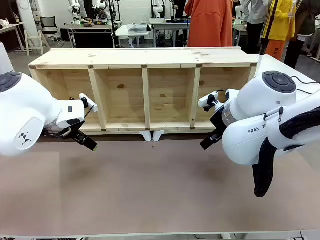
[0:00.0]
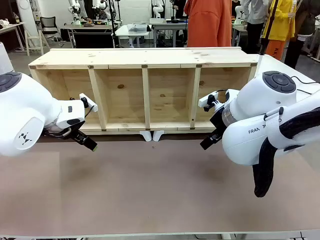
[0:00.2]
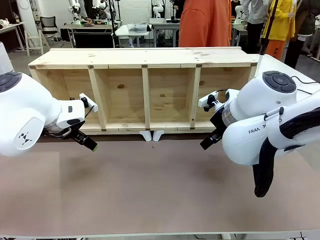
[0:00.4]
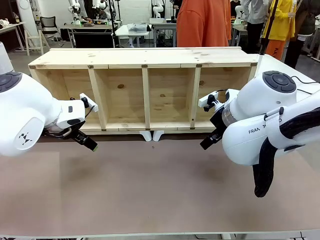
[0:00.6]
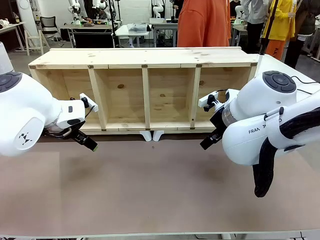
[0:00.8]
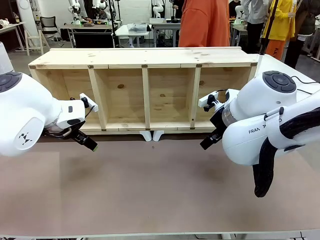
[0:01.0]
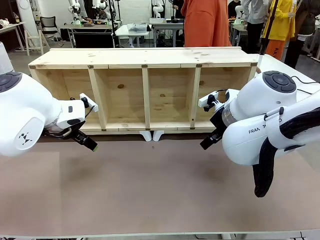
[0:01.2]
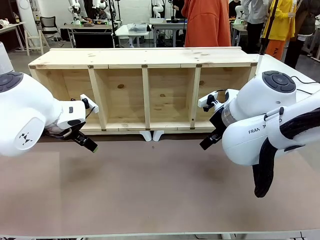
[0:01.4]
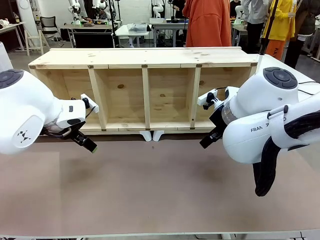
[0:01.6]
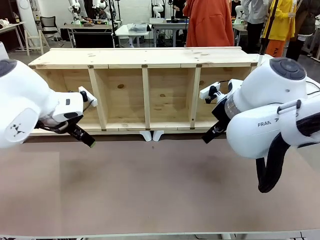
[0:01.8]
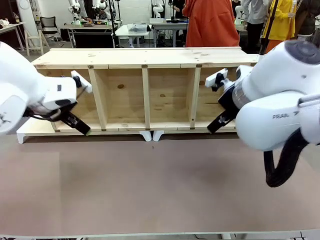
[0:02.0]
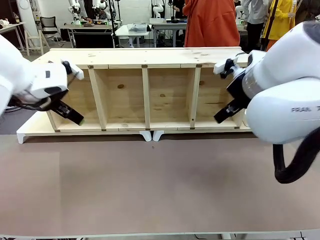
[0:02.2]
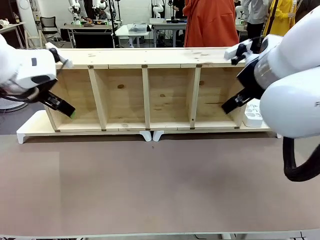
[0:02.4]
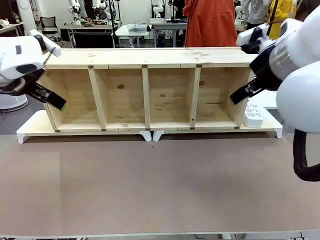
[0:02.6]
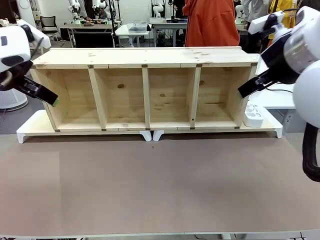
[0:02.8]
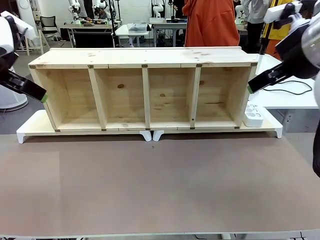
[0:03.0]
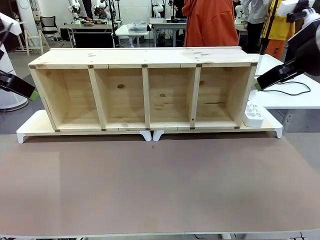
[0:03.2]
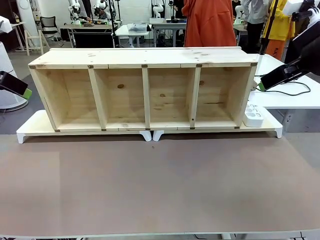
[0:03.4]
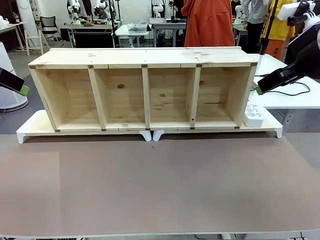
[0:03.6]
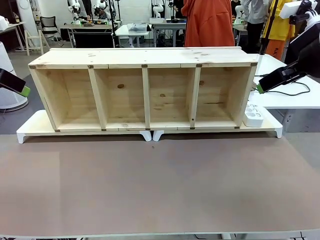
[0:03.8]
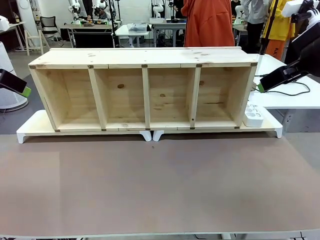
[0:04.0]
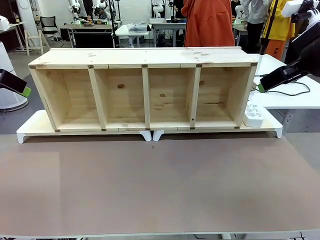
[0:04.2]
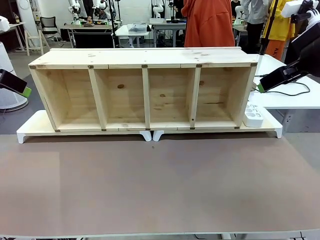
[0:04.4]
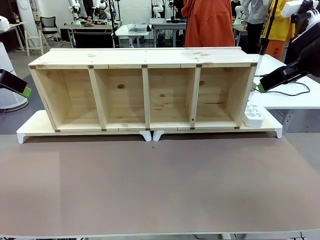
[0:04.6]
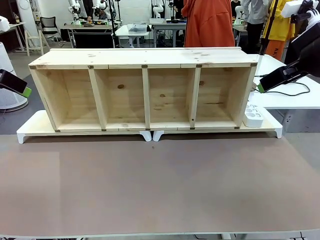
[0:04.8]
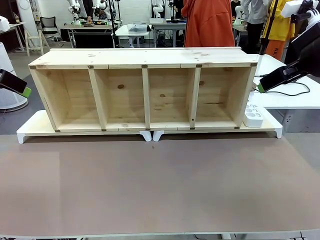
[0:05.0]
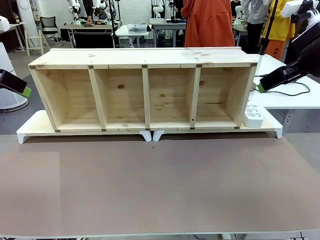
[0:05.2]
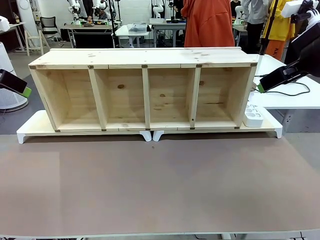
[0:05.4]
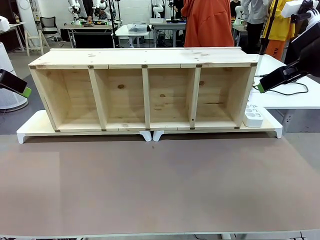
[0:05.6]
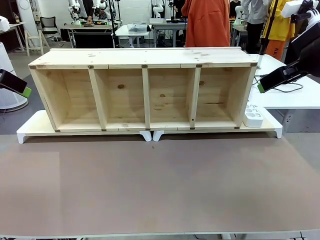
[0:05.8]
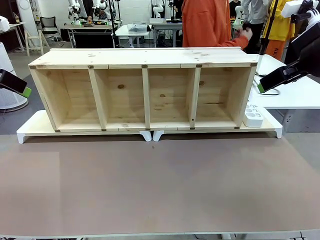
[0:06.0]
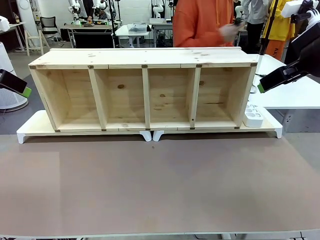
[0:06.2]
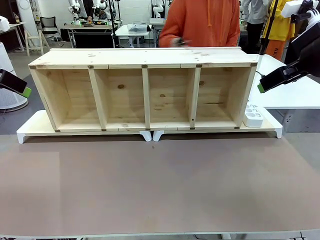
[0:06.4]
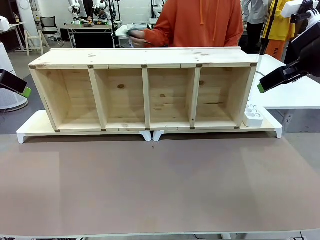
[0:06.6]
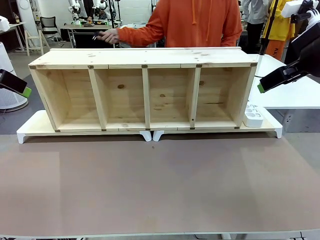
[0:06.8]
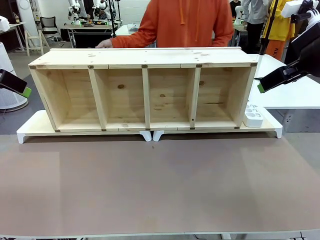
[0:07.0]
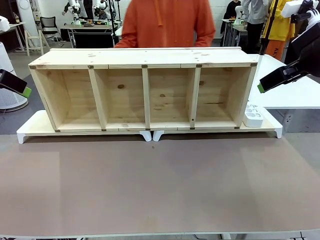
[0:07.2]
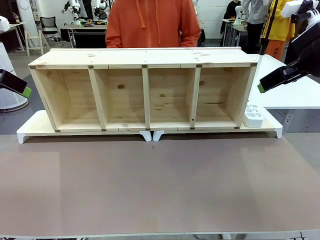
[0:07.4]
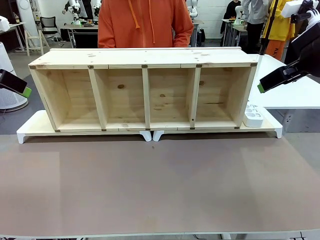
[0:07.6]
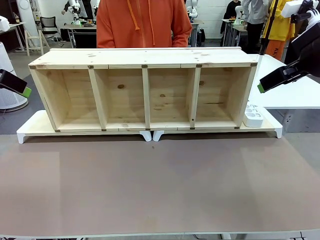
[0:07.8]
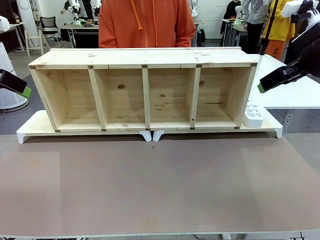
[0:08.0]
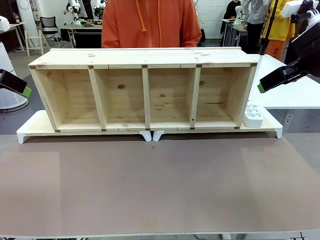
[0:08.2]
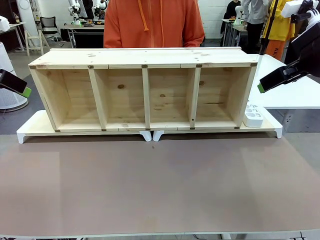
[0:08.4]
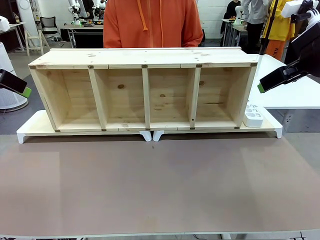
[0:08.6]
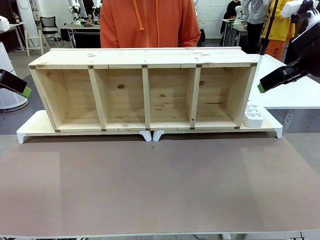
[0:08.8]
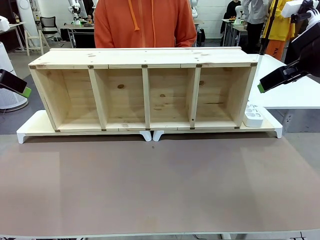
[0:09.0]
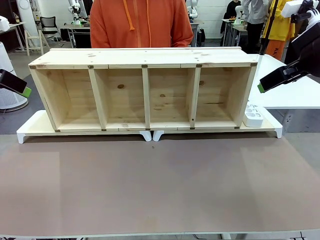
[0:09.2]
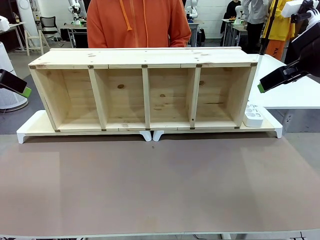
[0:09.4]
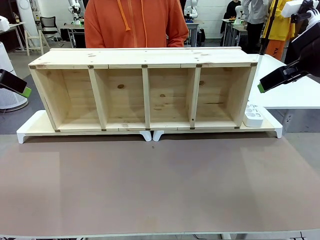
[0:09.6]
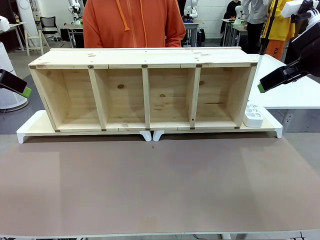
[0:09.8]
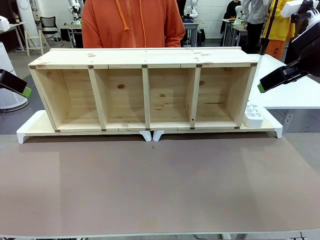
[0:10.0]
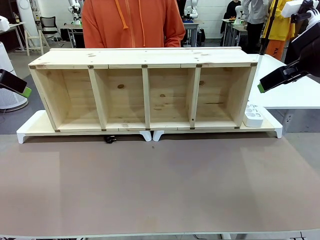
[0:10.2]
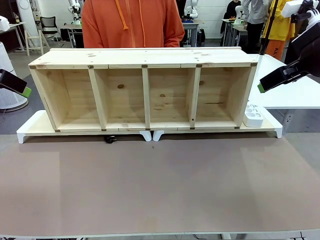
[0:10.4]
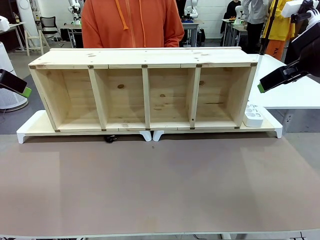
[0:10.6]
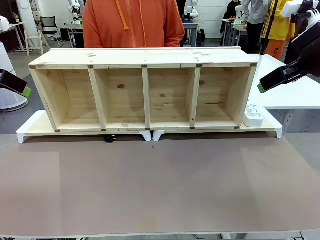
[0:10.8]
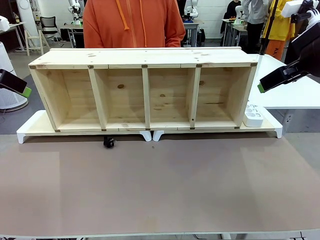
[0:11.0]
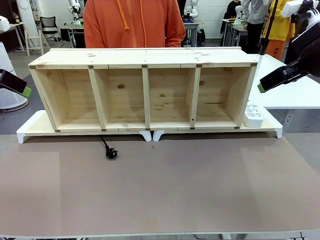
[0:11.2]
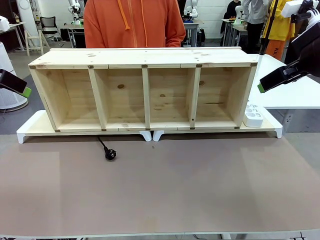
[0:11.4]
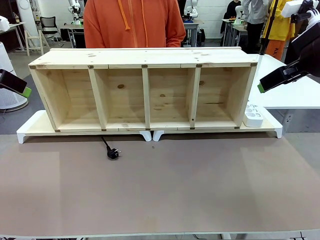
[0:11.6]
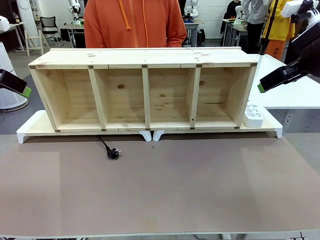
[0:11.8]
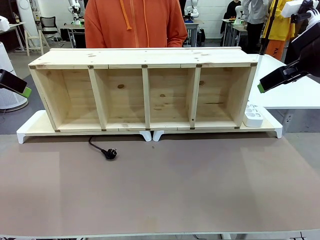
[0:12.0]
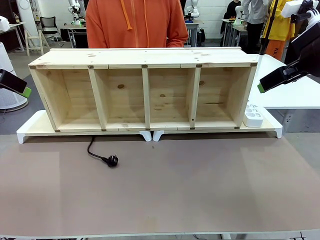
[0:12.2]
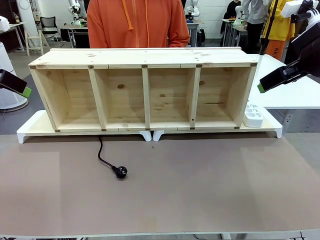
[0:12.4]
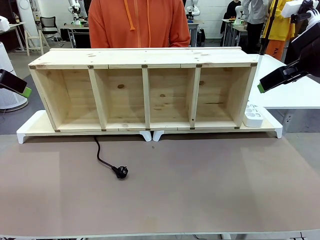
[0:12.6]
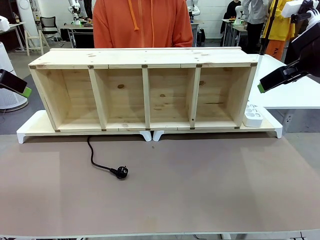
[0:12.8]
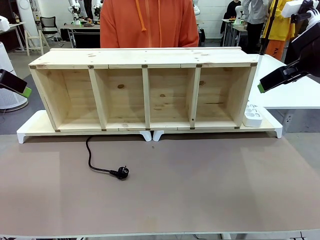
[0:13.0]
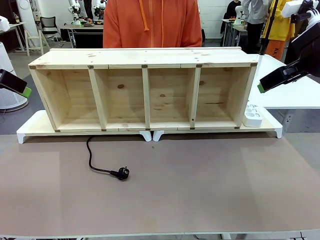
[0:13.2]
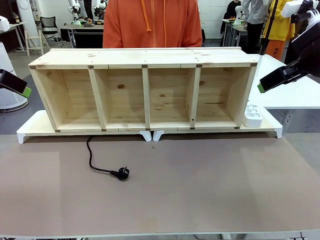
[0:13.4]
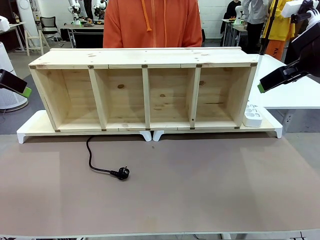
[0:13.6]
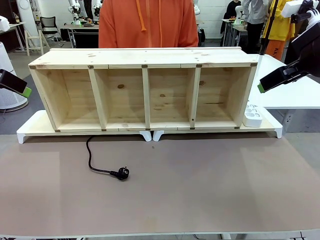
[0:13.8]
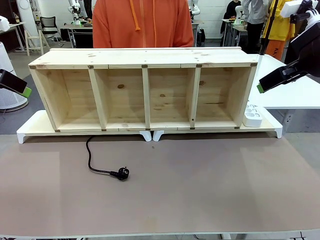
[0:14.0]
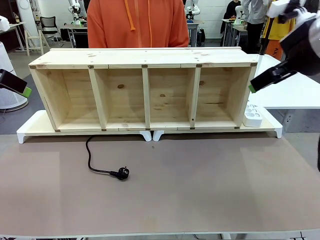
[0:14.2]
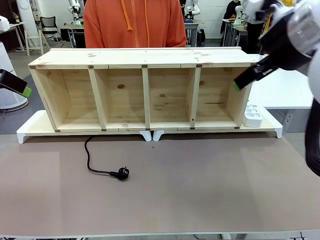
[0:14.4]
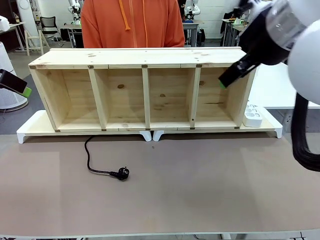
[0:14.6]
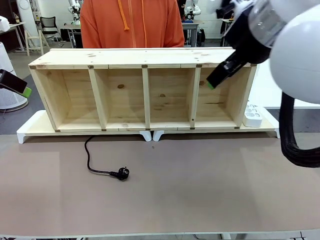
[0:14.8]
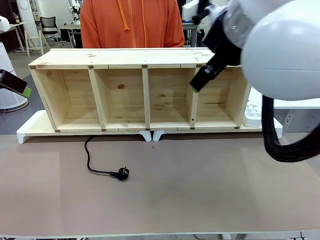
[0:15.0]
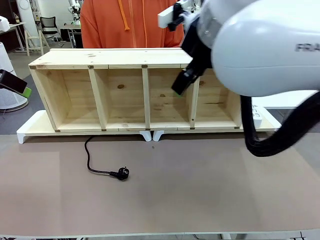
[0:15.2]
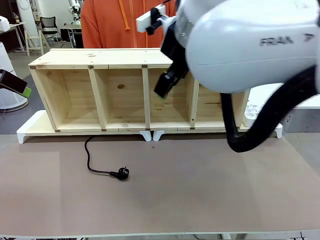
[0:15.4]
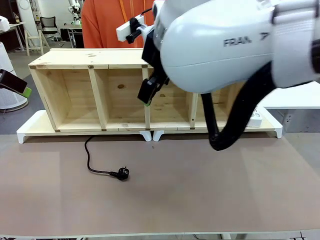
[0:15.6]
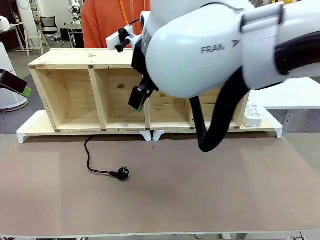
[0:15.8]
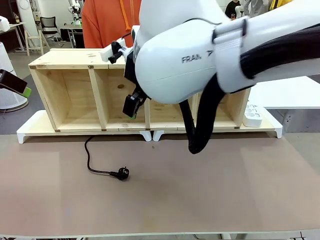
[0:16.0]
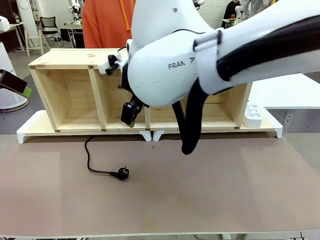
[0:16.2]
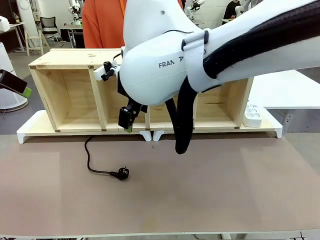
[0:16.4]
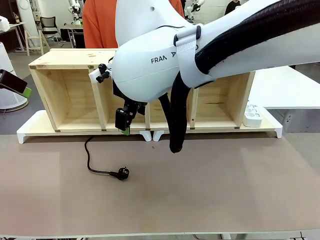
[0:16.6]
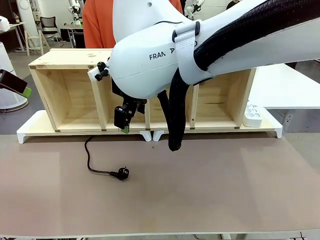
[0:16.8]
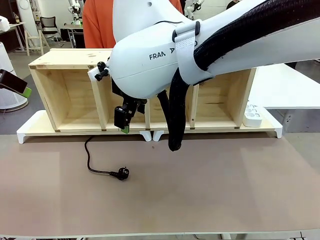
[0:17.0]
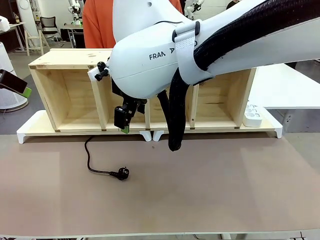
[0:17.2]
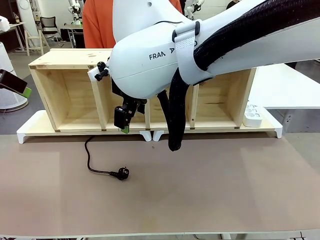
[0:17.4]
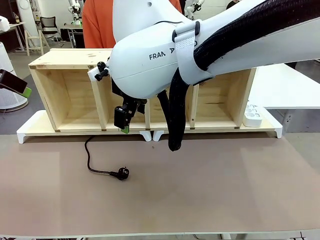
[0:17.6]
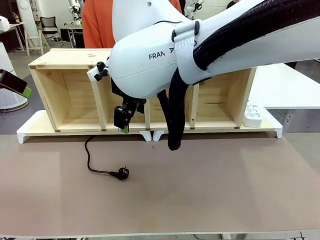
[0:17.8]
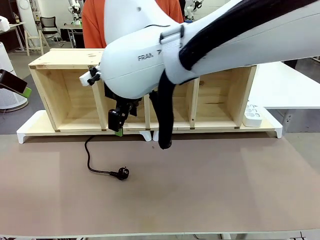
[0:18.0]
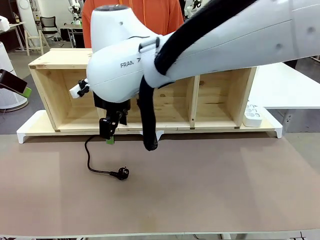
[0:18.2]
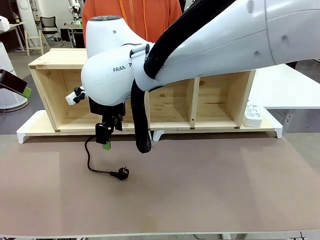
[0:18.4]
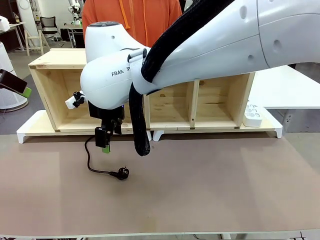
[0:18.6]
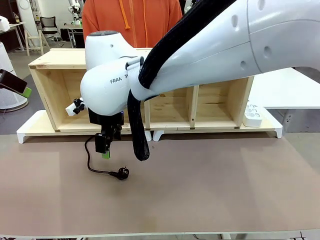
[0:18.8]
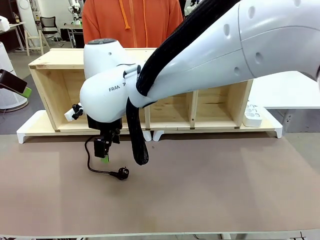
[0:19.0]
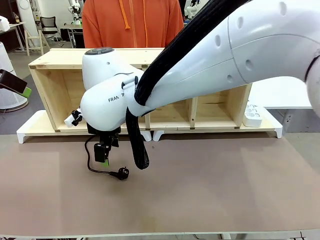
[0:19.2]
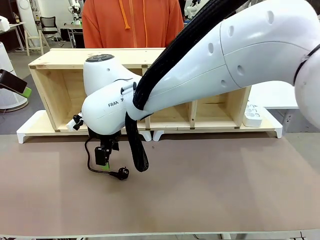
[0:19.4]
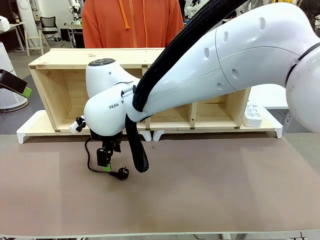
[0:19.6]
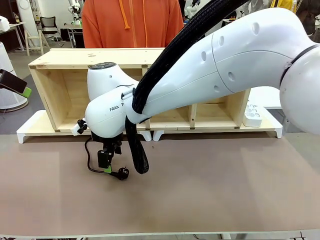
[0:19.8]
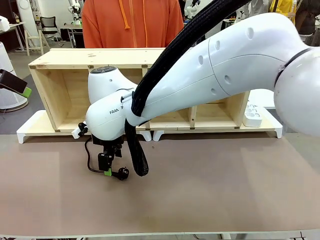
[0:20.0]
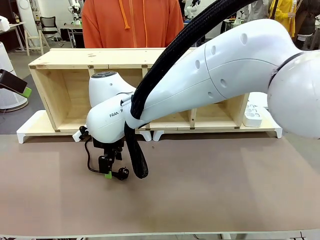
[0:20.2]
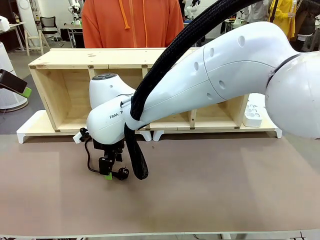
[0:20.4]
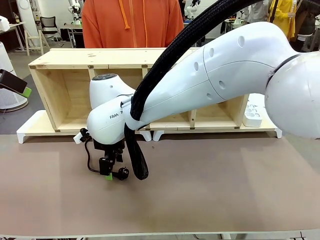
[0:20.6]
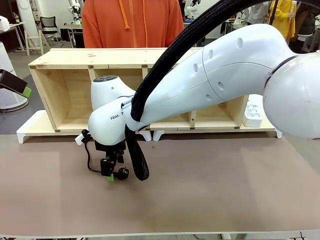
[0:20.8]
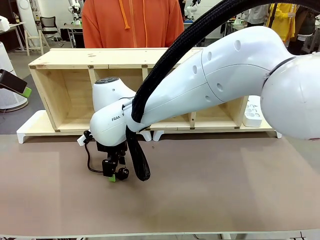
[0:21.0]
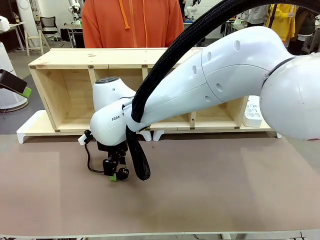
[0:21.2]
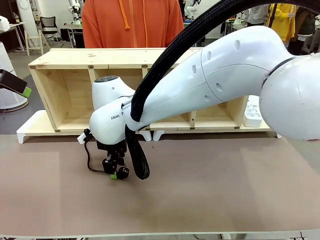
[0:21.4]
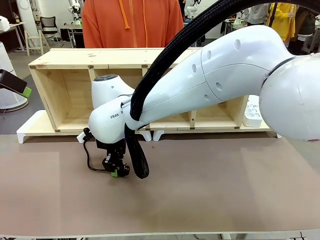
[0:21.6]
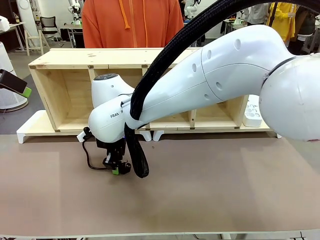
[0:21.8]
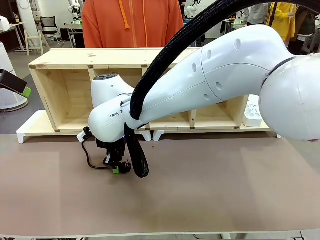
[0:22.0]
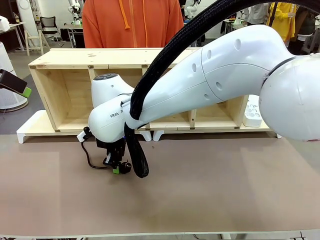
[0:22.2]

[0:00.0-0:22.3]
Task: Perform cable management.
Robot: When the cord part of the Power Cable appears at the lower middle area of the table and stops, grasp the cord part of the Power Cable.
Person: Pass the Power Cable under the Serving Table.
